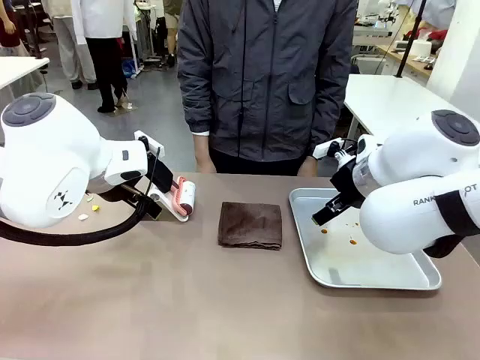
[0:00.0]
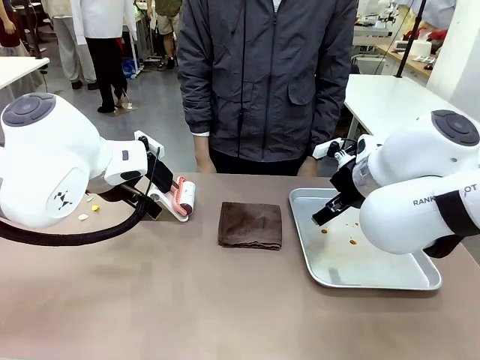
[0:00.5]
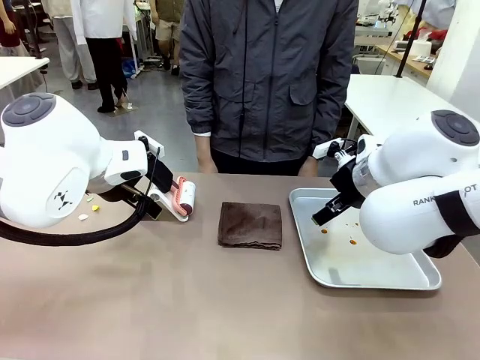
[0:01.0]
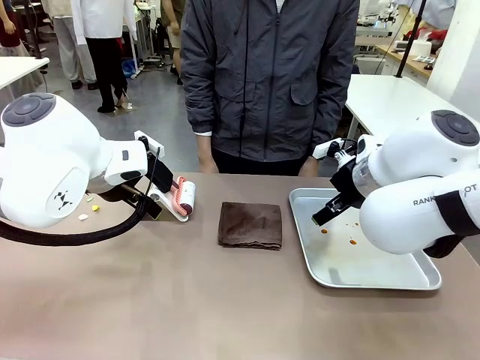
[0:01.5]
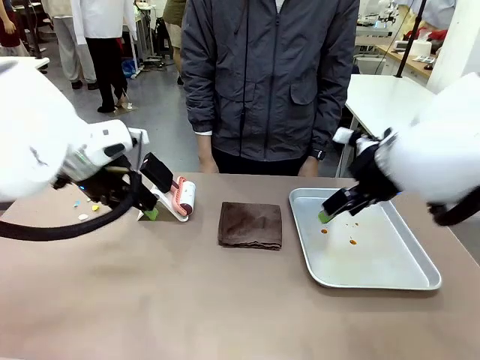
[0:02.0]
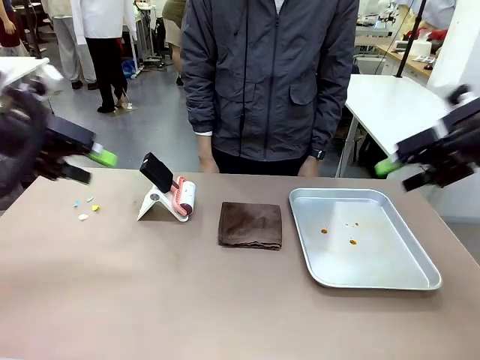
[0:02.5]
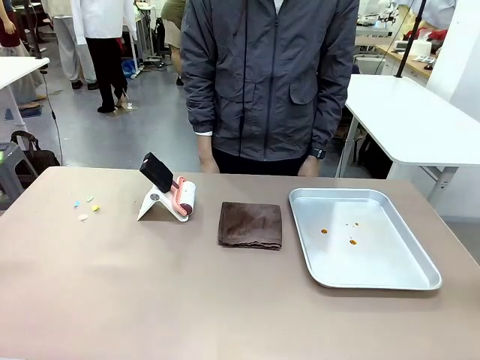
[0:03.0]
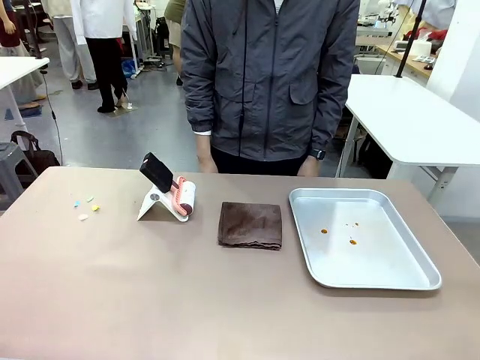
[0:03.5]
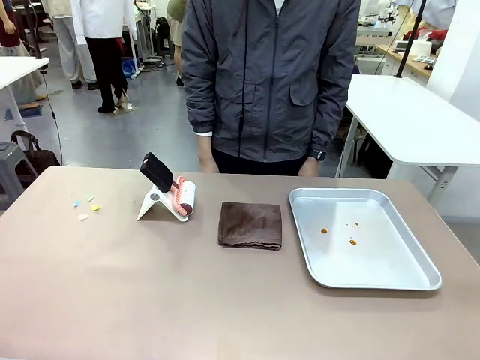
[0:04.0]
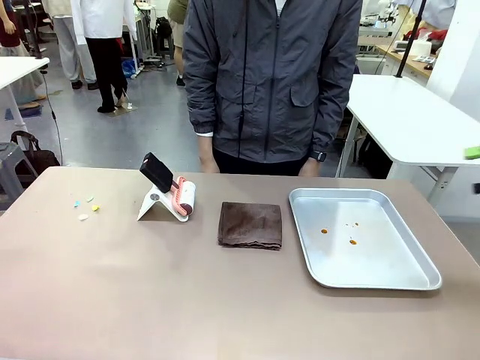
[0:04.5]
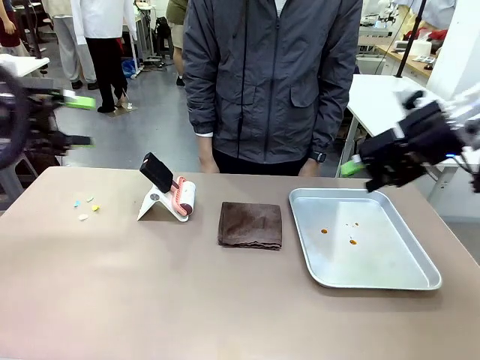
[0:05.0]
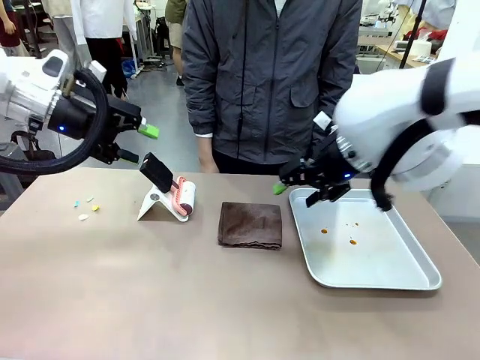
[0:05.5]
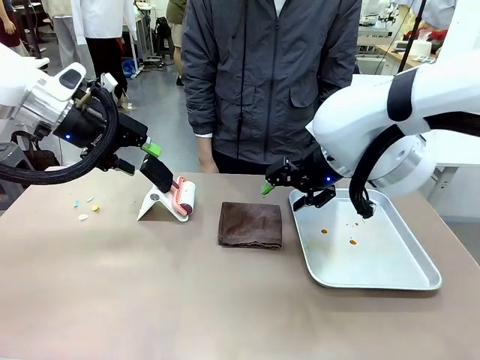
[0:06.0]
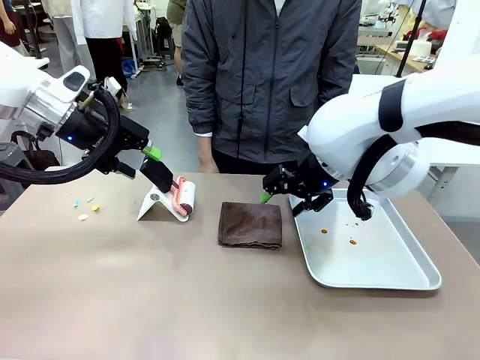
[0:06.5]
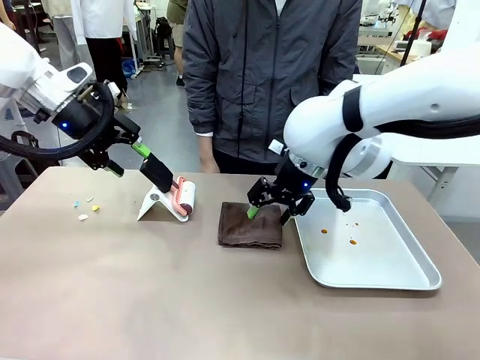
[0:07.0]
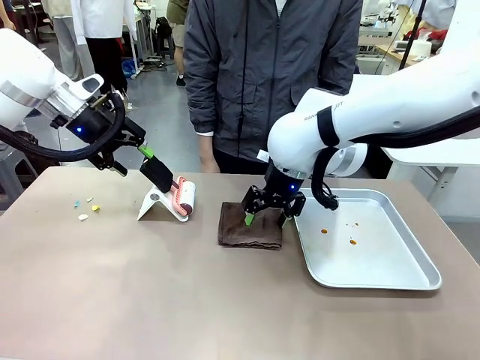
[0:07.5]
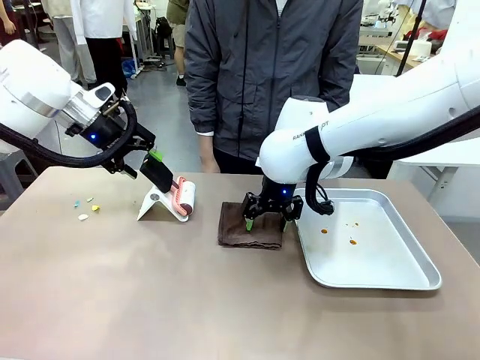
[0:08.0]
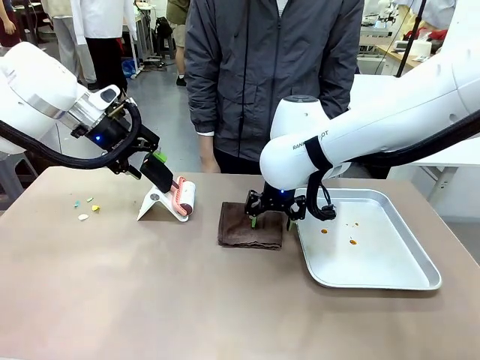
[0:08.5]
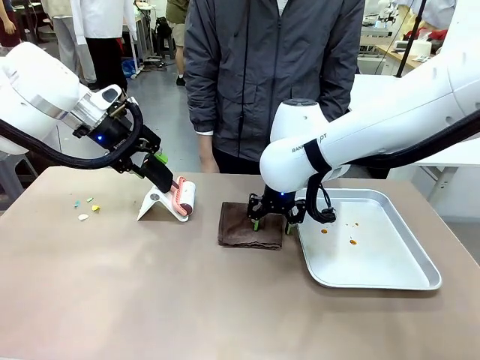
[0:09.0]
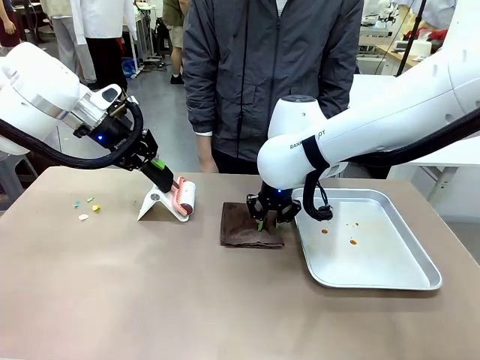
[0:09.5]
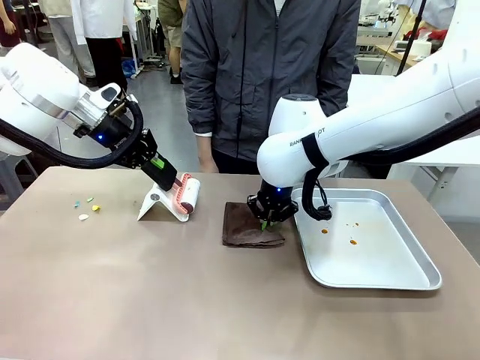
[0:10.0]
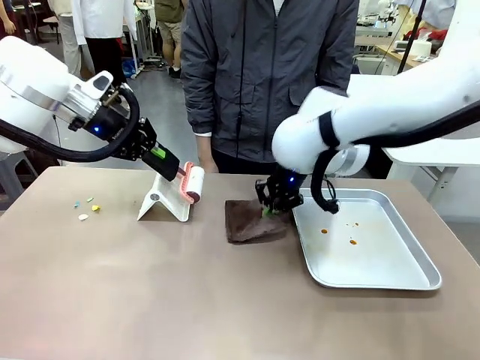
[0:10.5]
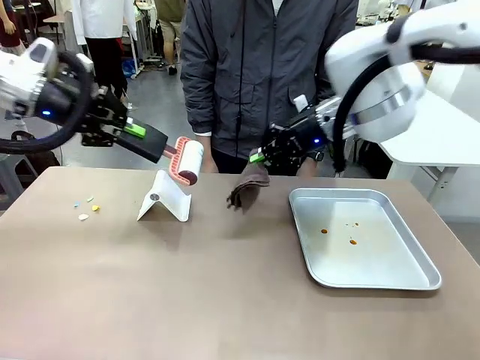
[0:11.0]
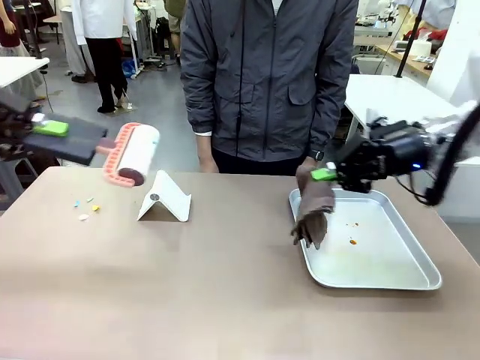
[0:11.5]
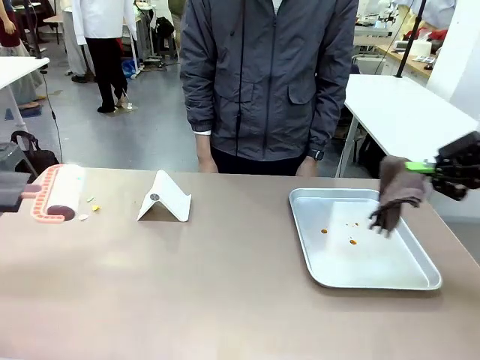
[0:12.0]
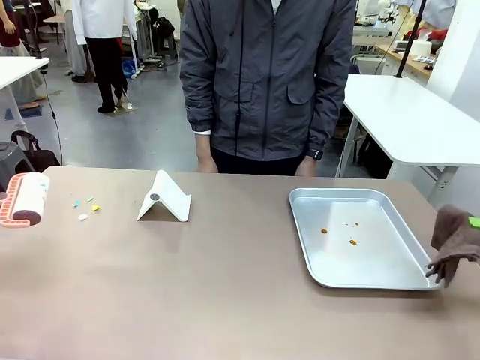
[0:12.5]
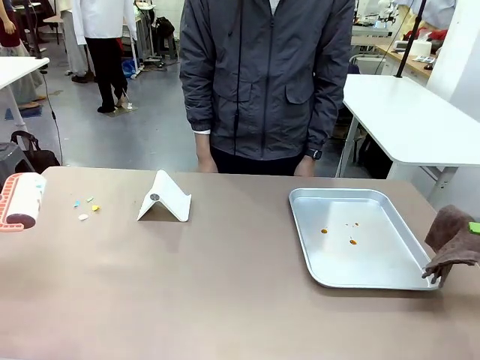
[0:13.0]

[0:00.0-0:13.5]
Task: Clean the surface of the table.
Robot: Hold the Lint Roller with your left hand and the towel with your right hand.

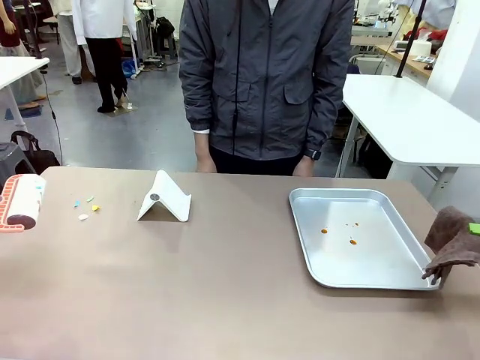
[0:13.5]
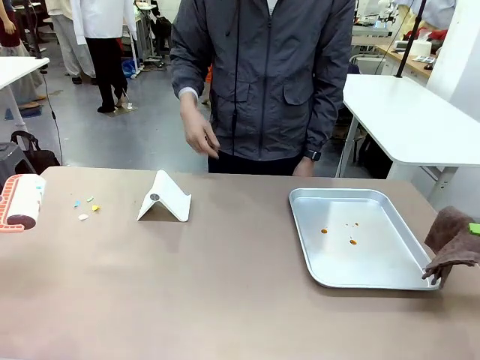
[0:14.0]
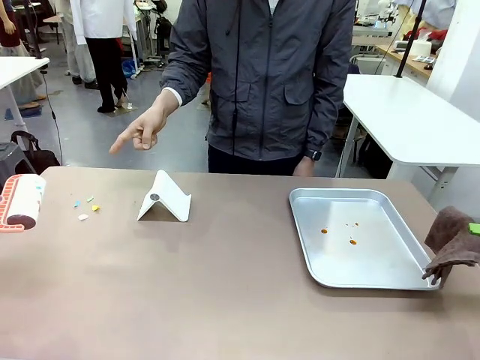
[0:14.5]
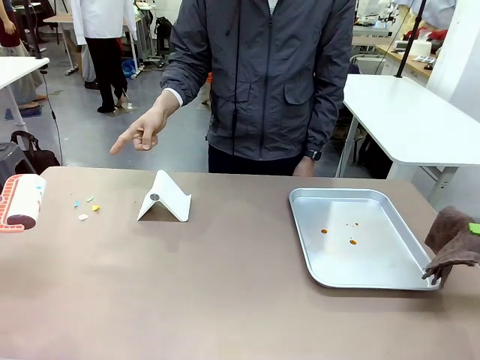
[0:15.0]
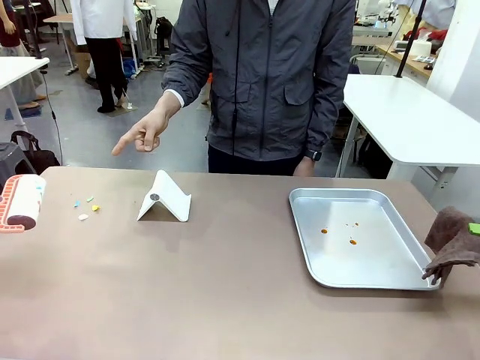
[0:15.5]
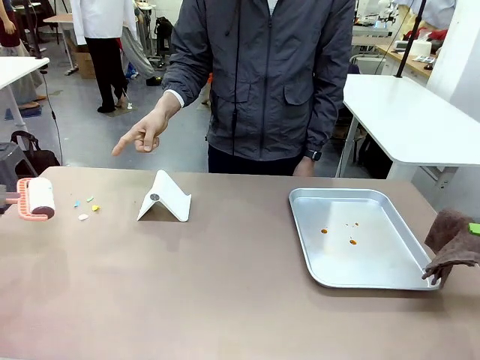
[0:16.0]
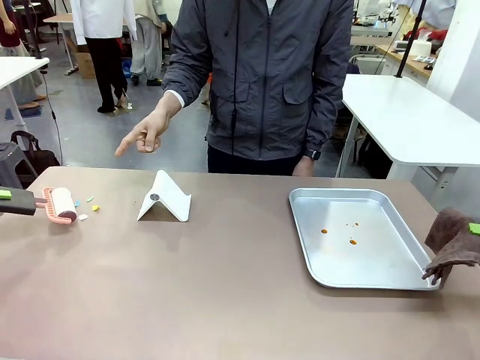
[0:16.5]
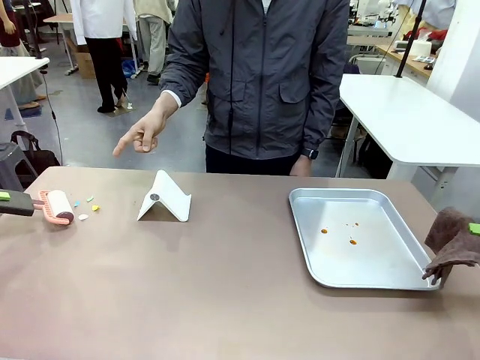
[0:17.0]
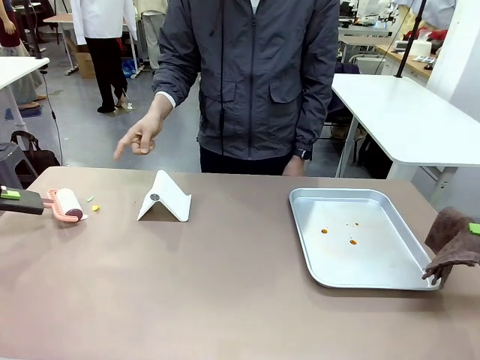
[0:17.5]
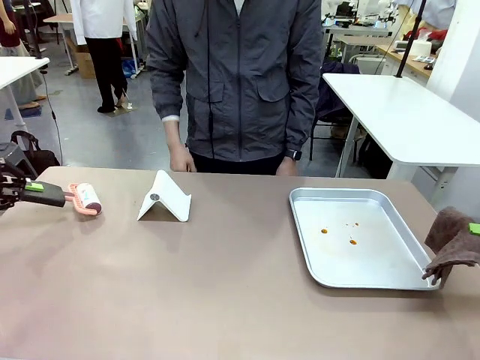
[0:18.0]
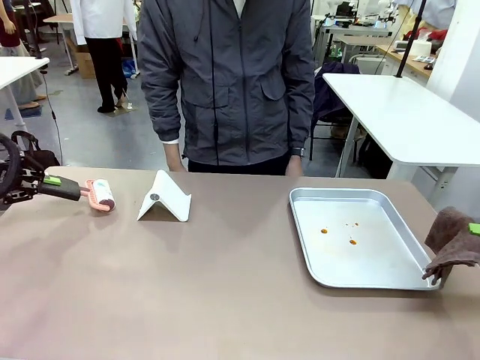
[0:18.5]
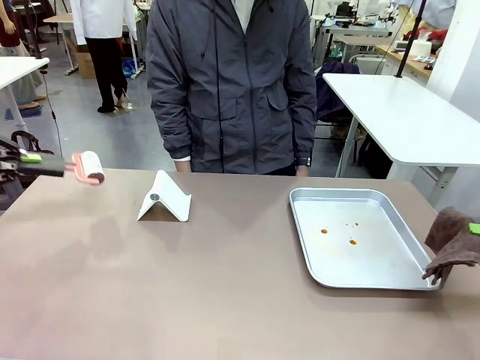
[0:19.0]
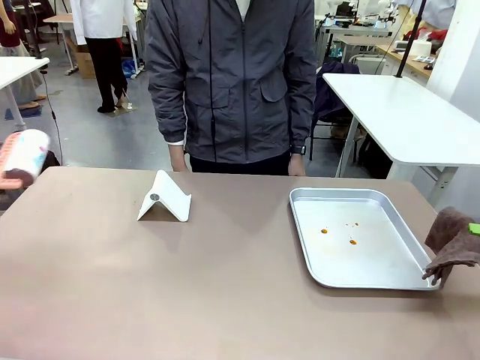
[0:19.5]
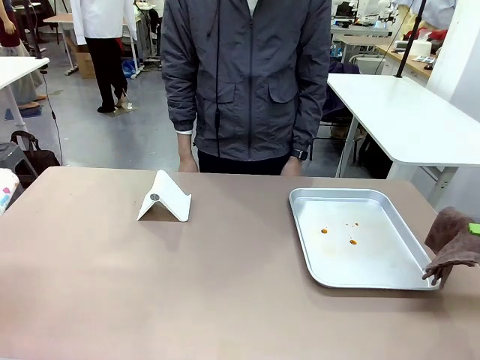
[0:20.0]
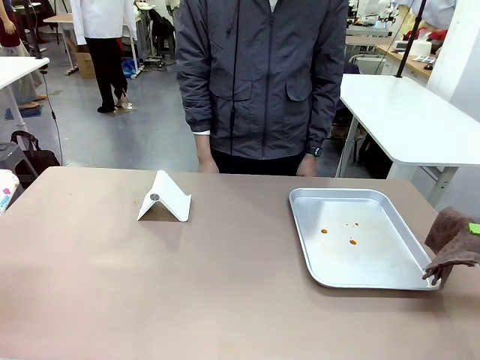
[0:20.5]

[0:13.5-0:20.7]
Robot: If a person points to the right, clean the right side of the table with your right hand, and if they point to the left, clean the left side with your left hand.

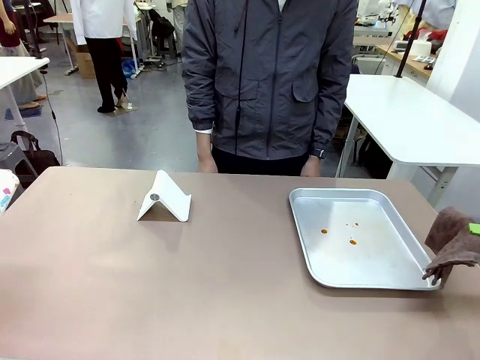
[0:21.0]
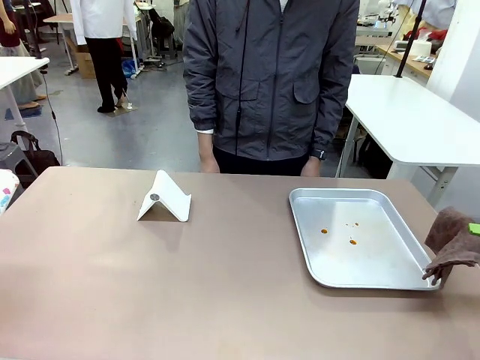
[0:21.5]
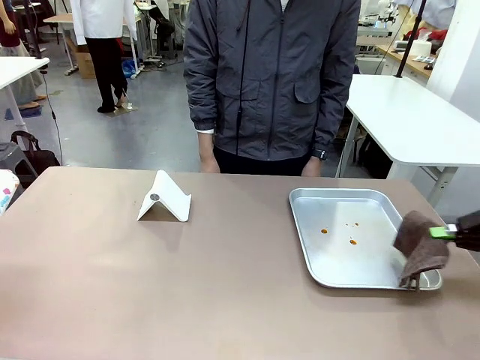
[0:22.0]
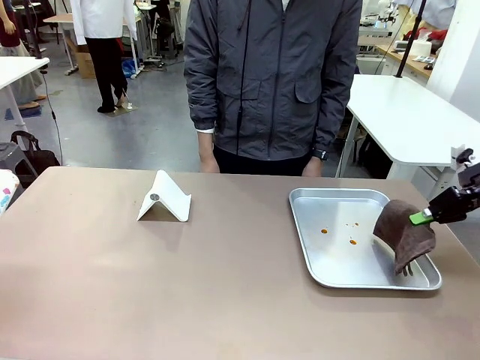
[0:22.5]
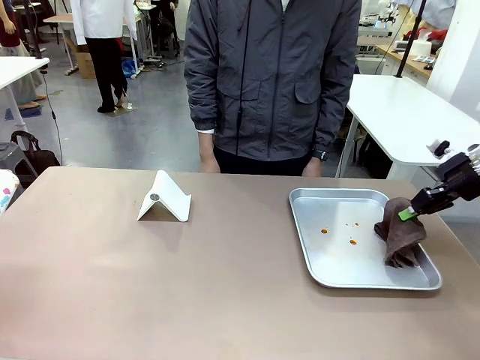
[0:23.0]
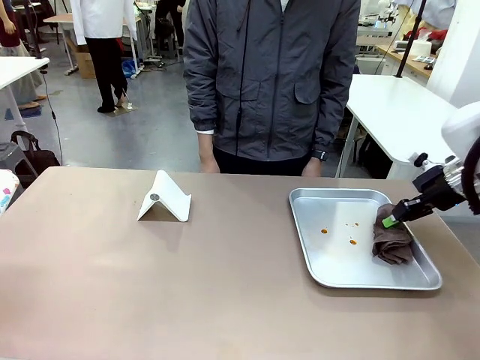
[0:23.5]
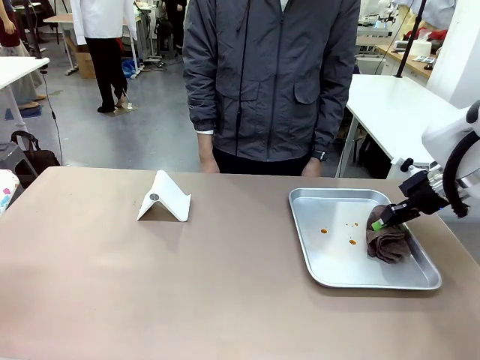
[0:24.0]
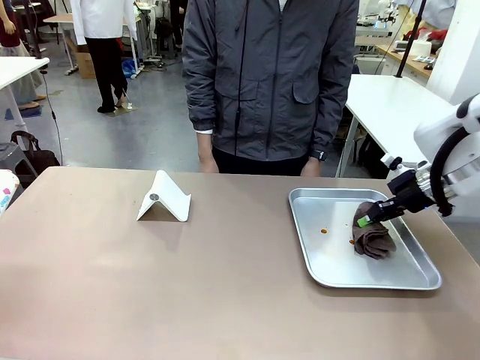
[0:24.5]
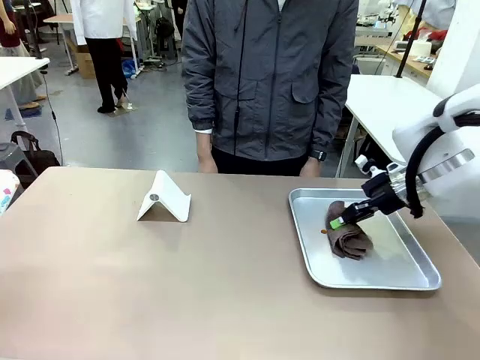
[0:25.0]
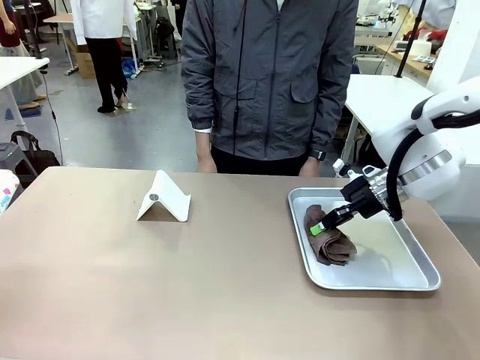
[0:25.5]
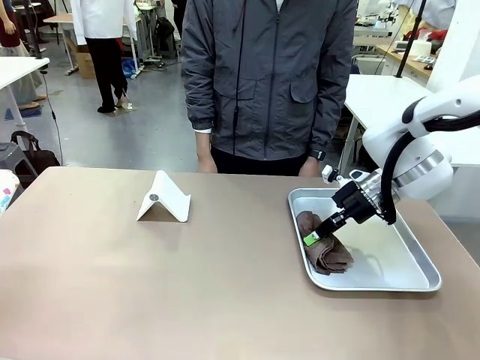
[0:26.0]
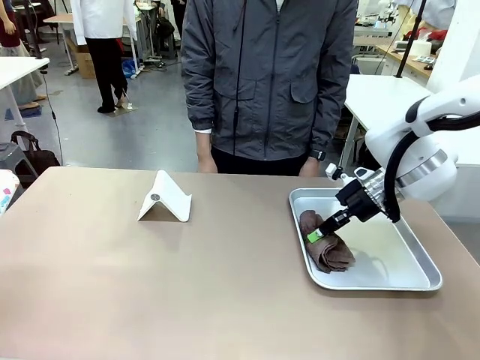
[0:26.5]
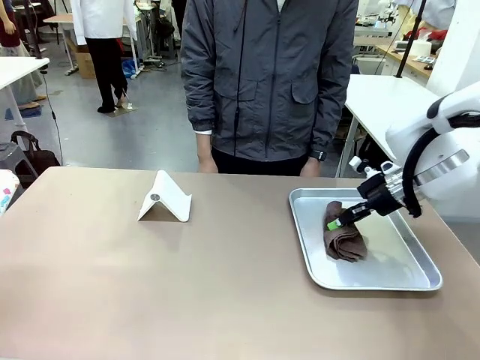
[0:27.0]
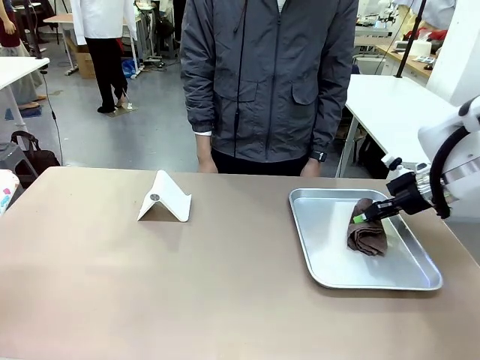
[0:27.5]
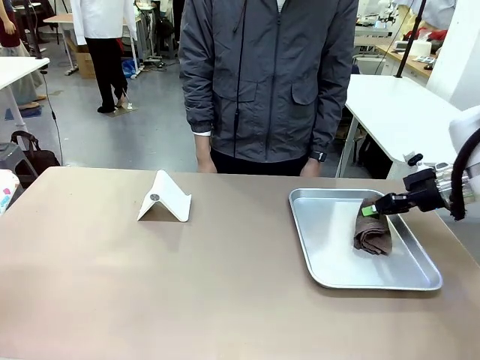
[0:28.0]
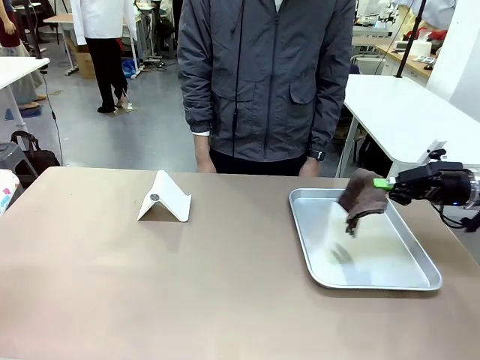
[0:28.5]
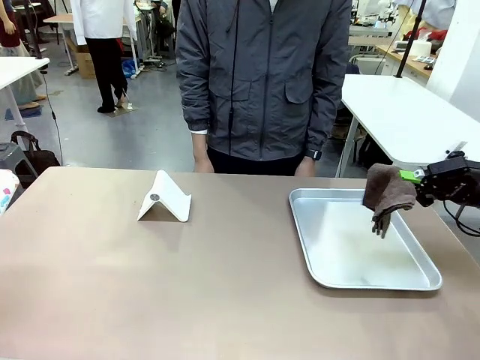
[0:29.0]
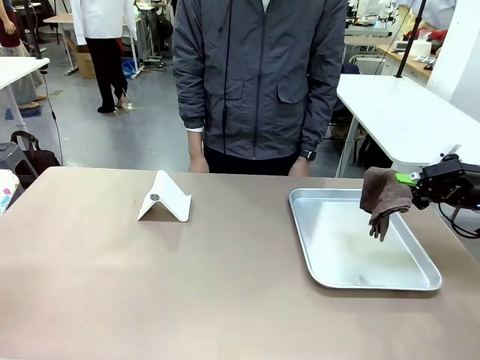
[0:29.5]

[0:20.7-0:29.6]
Robot: Clean the area not pointed to by the person.
